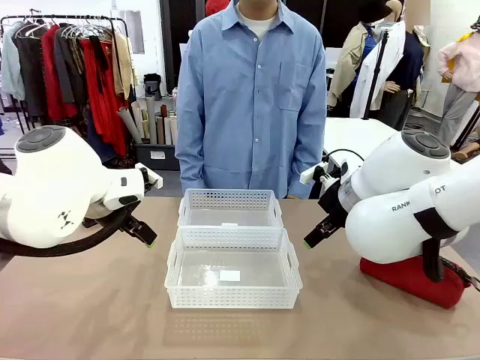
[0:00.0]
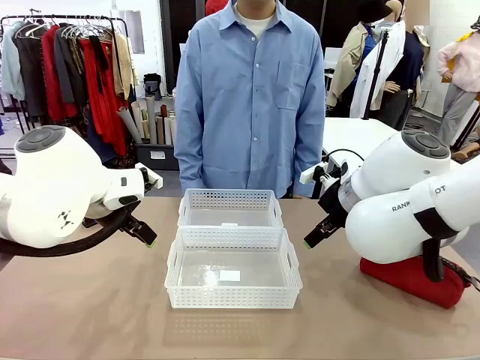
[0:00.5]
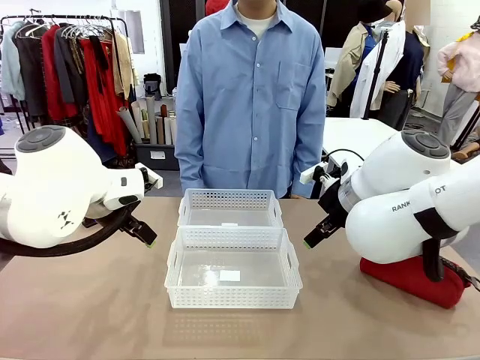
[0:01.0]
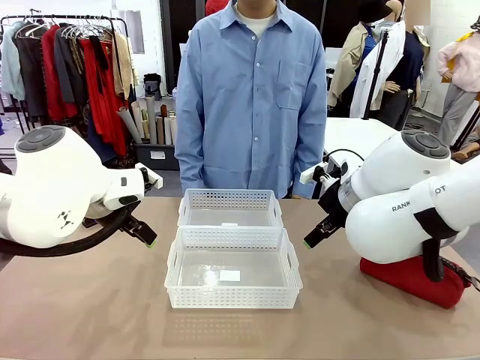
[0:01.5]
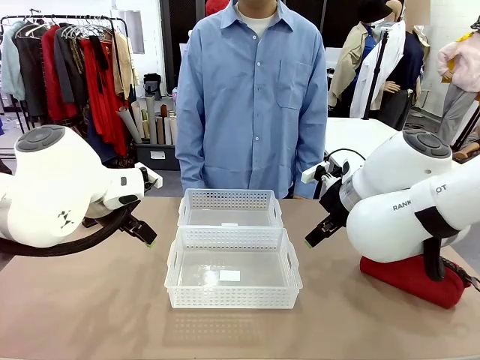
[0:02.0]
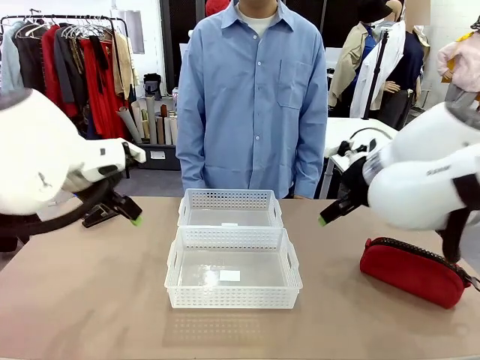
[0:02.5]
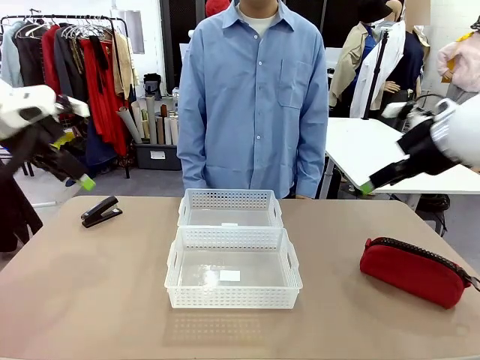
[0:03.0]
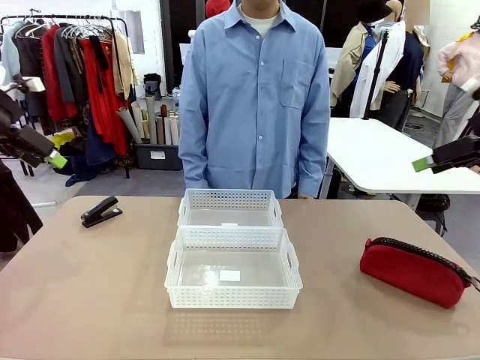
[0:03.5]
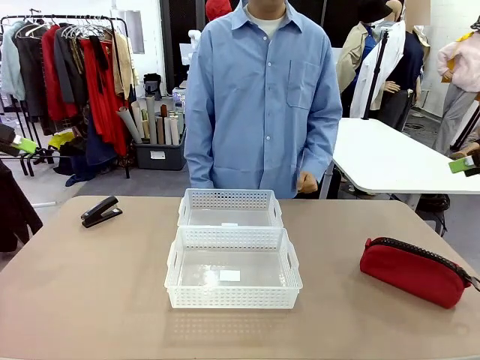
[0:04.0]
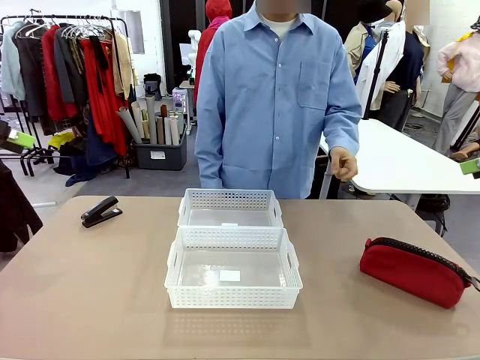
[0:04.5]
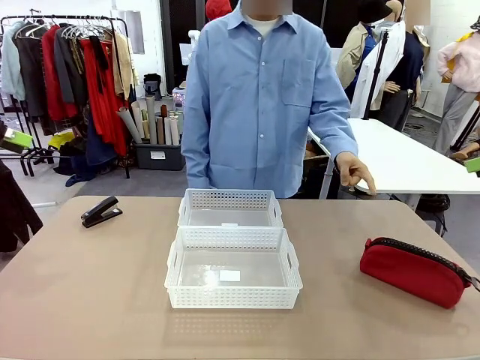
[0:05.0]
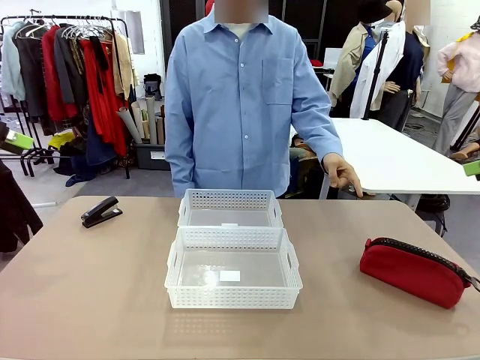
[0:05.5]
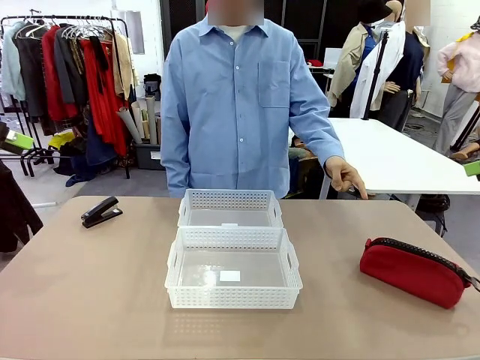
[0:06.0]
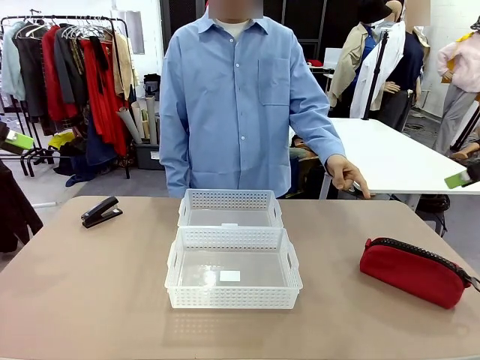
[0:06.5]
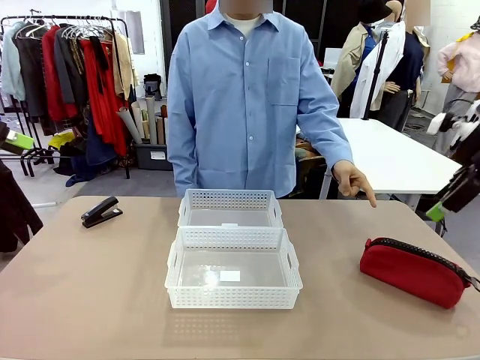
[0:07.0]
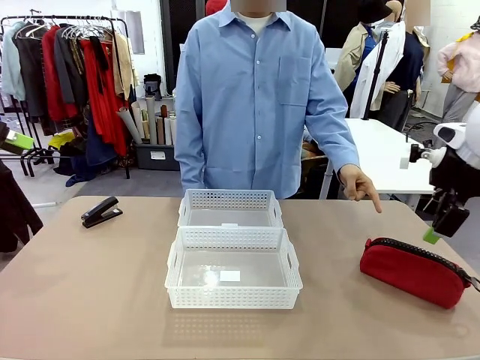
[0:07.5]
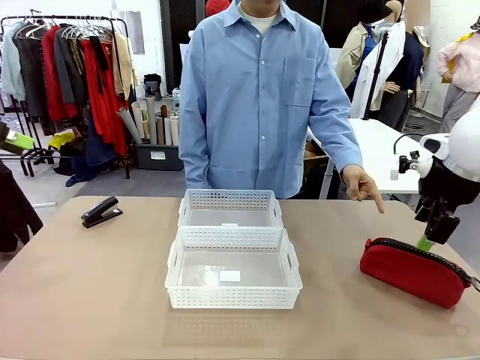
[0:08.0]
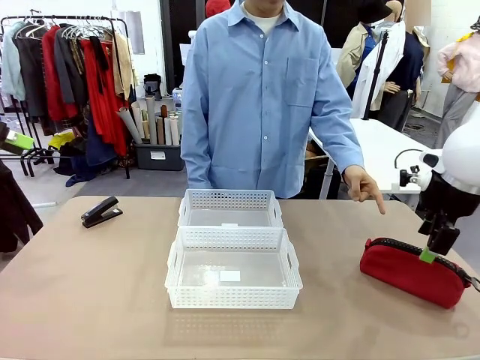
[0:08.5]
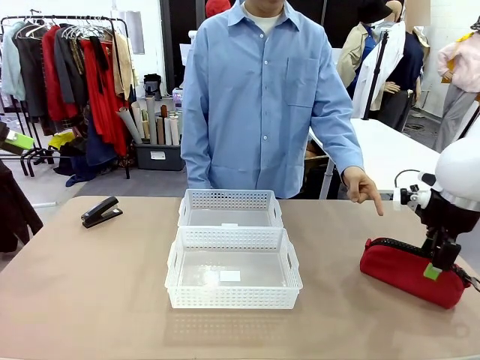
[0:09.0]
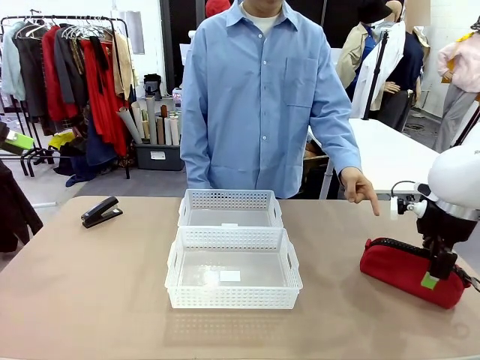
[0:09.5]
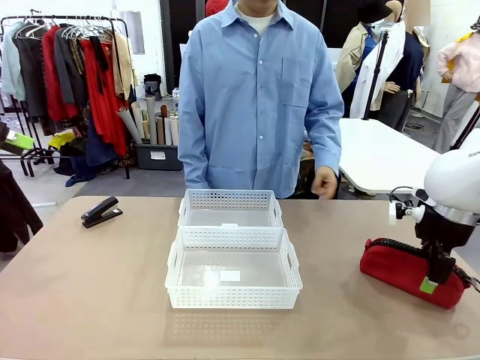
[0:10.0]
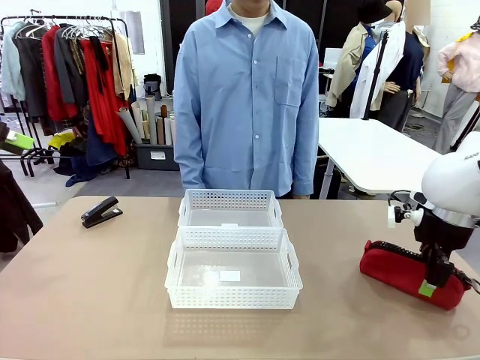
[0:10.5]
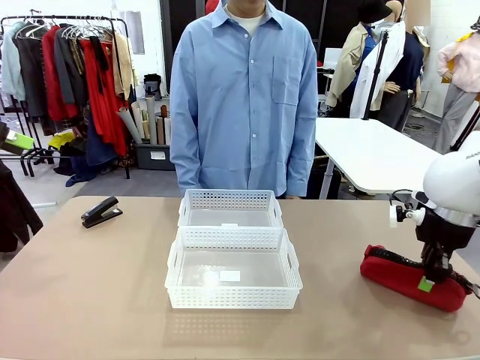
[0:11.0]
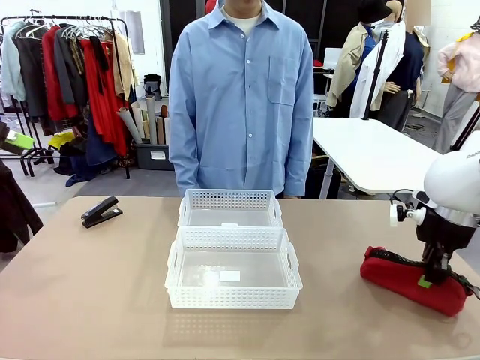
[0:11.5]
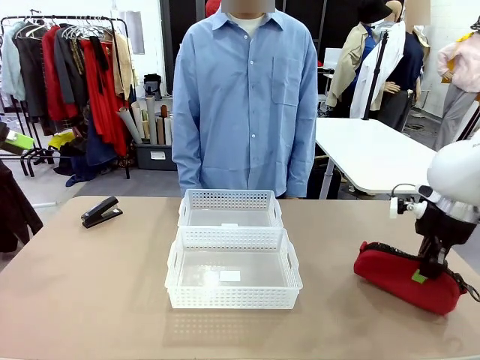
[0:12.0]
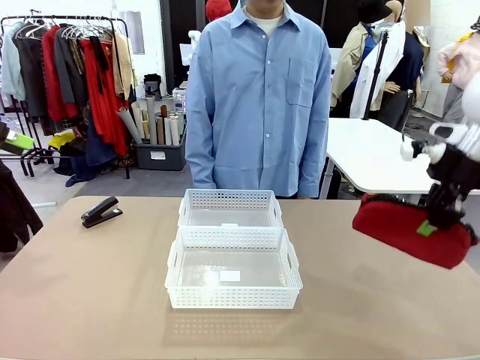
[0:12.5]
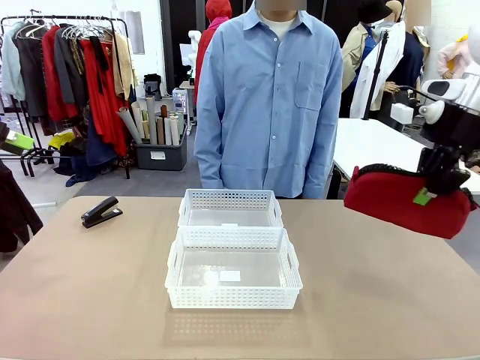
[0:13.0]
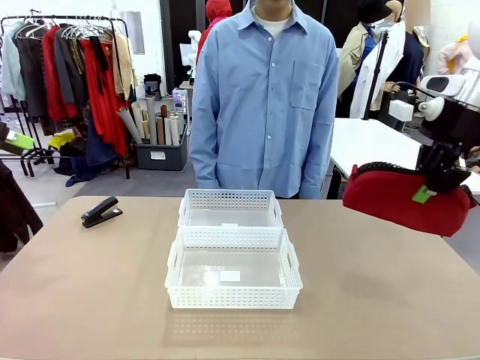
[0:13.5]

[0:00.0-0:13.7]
Task: Distribute items into two baskets.
Robot: Pick up the Pencil pouch that the person points to.
Person: Points to the pencil case. Points between the two organizing baskets and instructs the robot to move the pencil case.

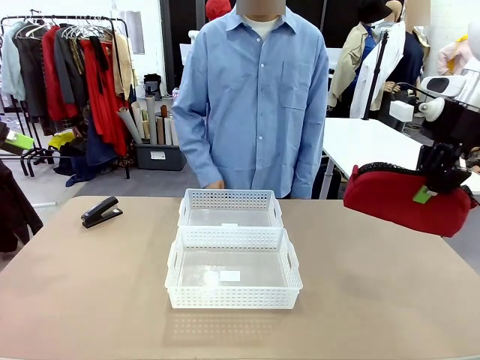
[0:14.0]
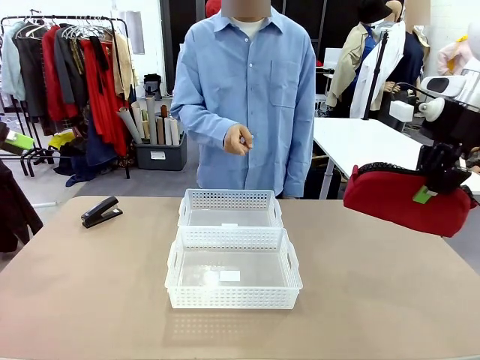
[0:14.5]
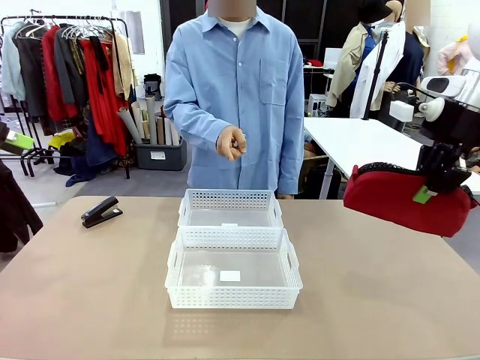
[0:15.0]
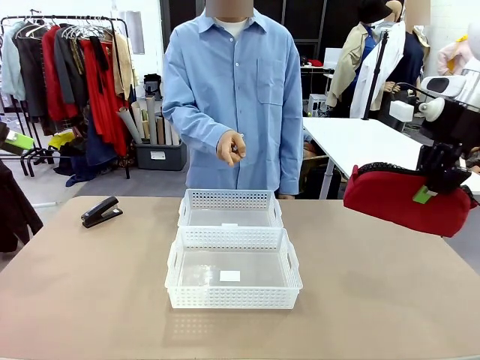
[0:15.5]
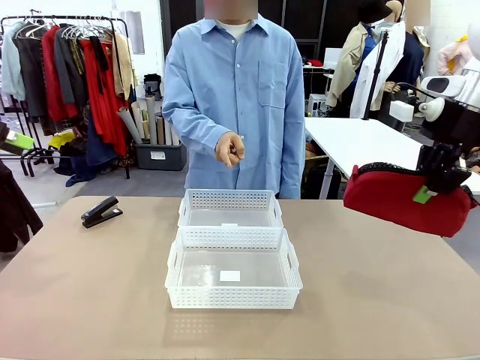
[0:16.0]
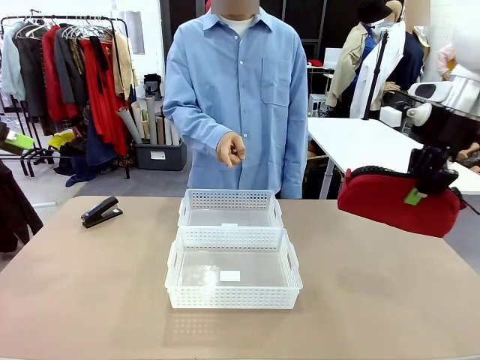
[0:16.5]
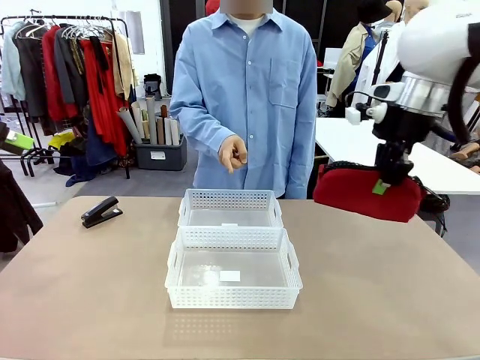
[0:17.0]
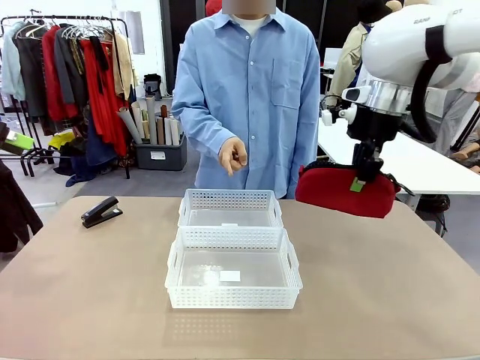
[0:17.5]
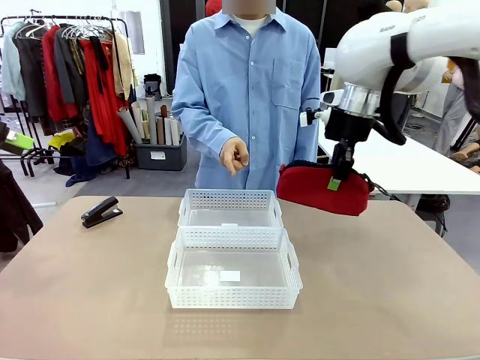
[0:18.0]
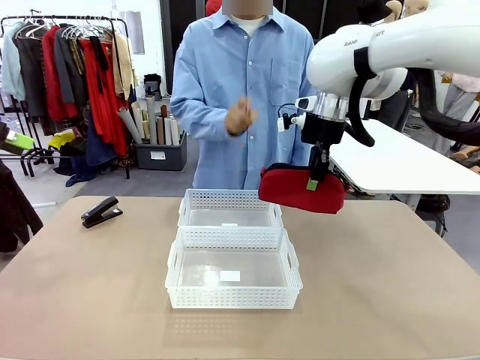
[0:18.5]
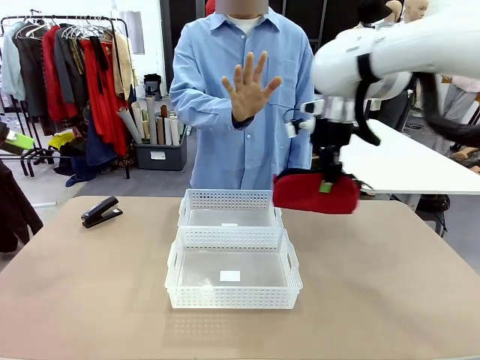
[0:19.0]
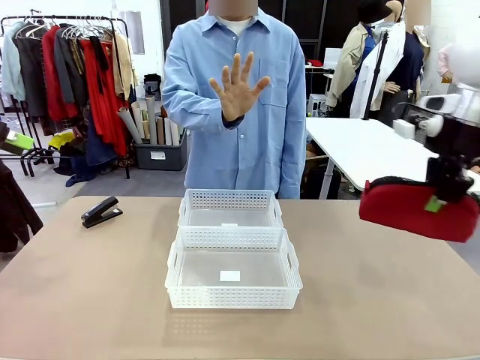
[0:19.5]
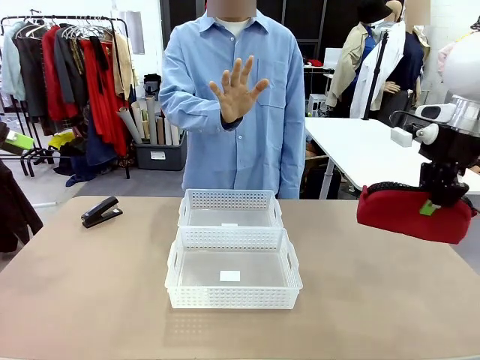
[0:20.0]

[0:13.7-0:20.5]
Robot: Move the picked Pencil pouch towards the Organizing basket indicated by the person, stopping as directed.
Person: Sends a stop gesture before the robot places the pencil case into the basket.

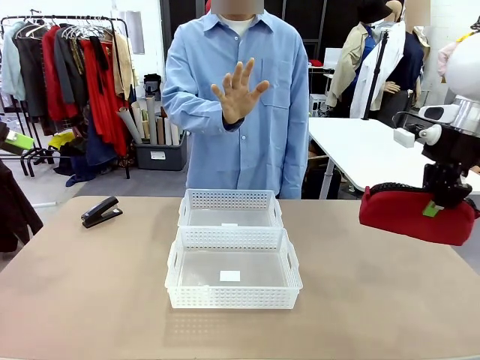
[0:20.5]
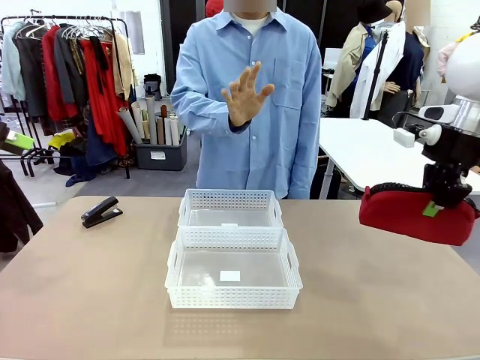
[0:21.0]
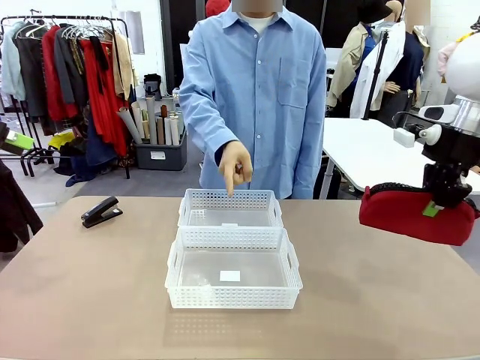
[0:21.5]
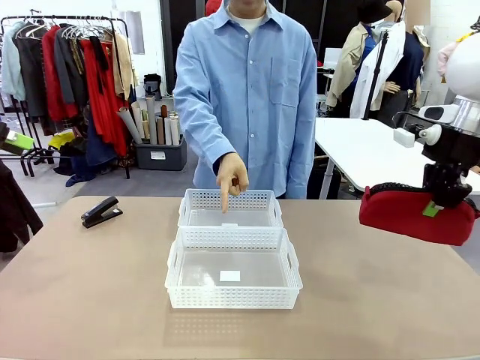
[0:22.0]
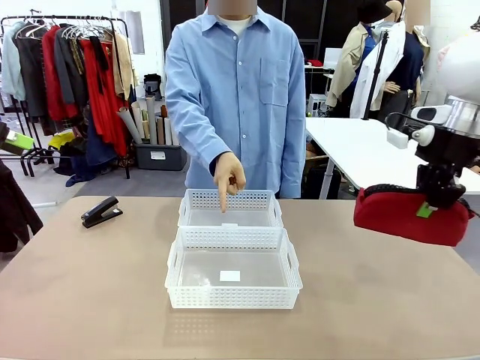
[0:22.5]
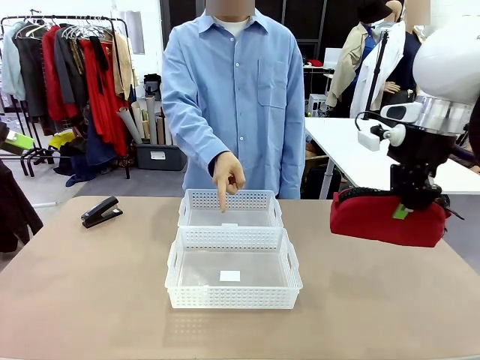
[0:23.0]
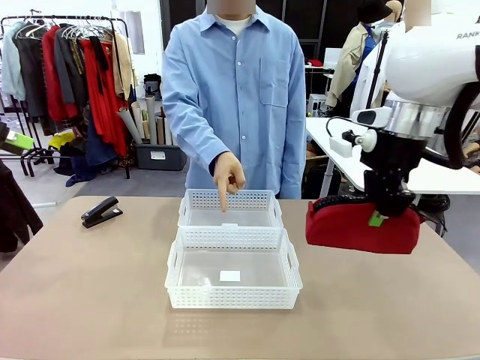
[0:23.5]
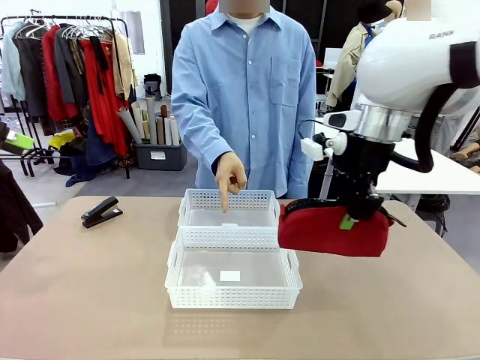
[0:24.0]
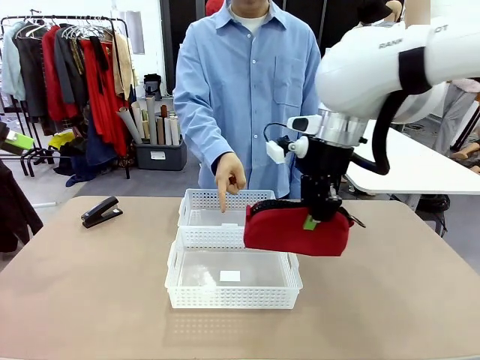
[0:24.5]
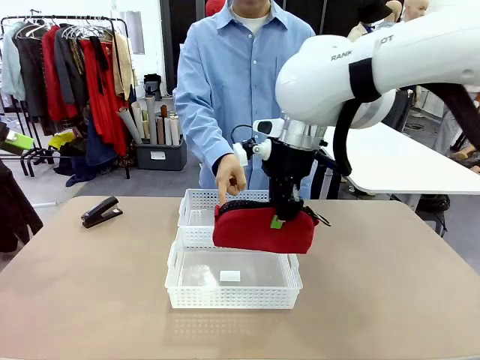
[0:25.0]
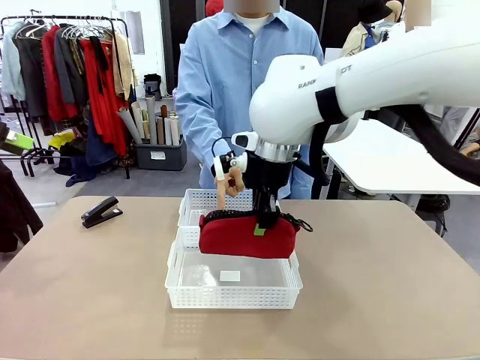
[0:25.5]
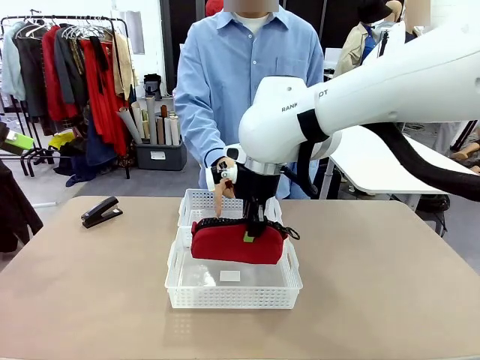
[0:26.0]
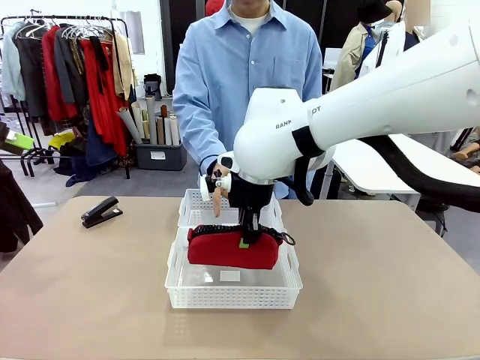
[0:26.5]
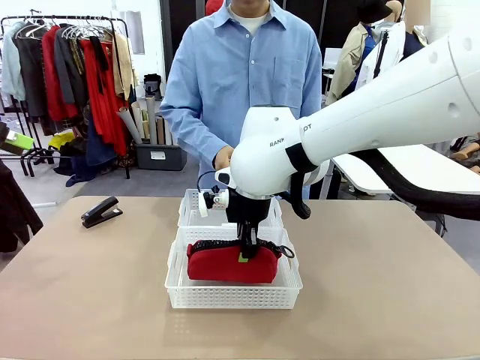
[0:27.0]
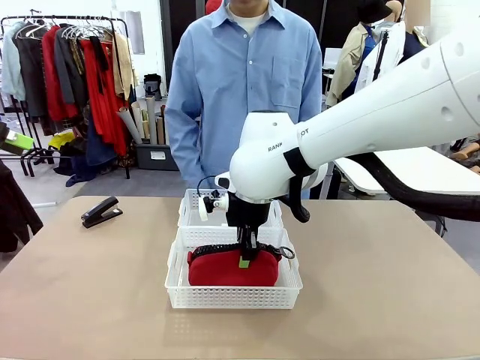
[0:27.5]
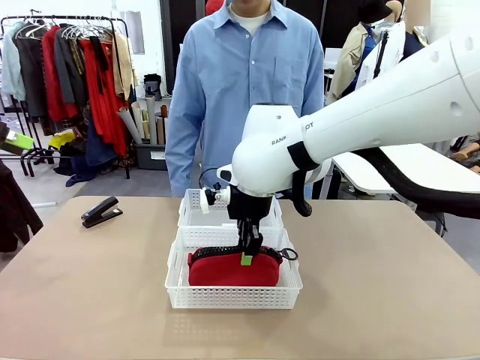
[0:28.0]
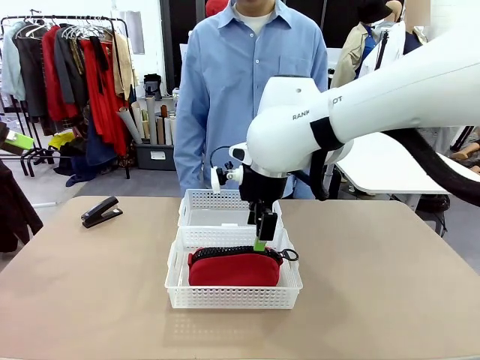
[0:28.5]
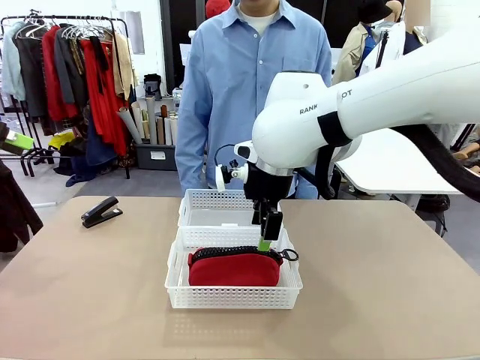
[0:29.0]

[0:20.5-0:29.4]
Robot: Place the picked Pencil pouch into the Organizing basket as instructed by the person.
Person: Instructs the robot to place the pencil case into the opposite basket. Points to the stapler.
